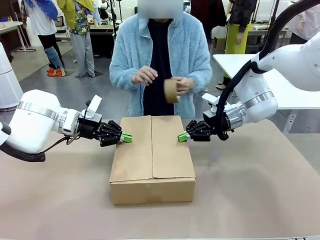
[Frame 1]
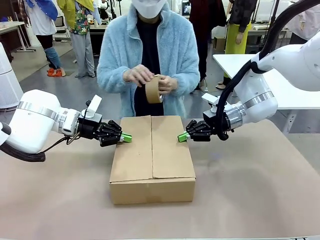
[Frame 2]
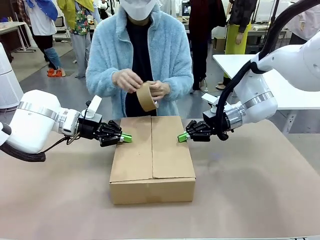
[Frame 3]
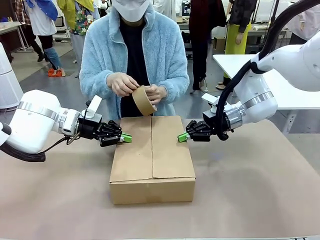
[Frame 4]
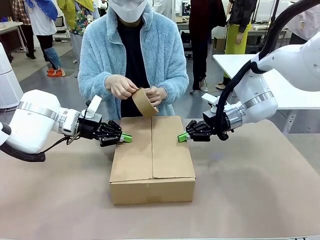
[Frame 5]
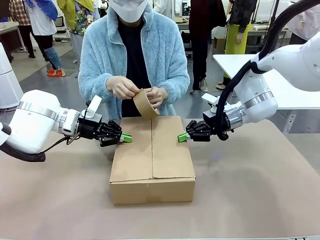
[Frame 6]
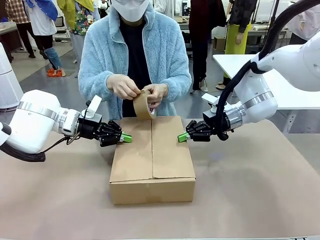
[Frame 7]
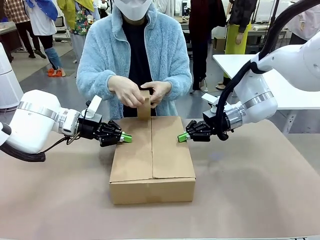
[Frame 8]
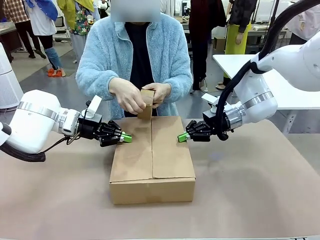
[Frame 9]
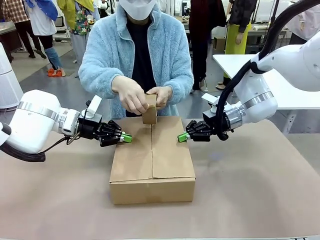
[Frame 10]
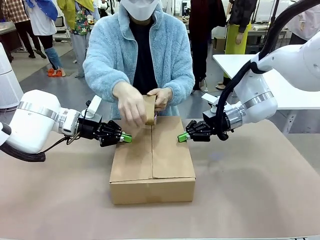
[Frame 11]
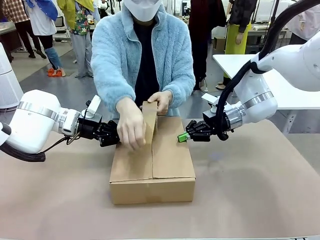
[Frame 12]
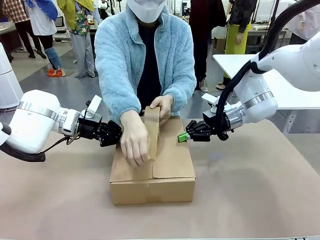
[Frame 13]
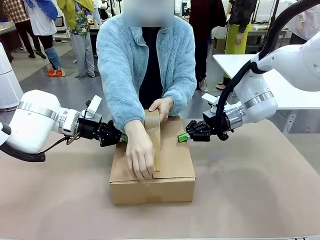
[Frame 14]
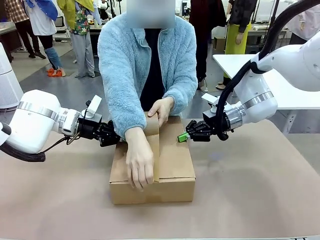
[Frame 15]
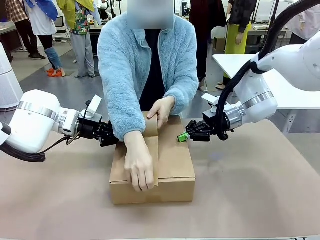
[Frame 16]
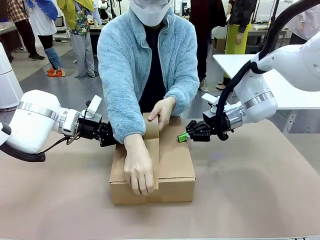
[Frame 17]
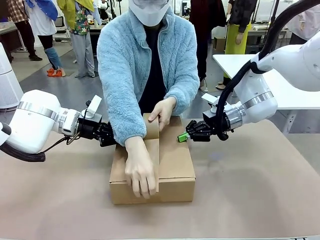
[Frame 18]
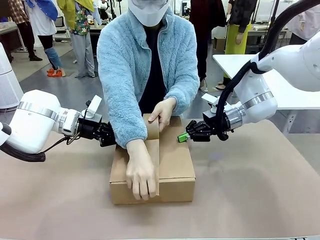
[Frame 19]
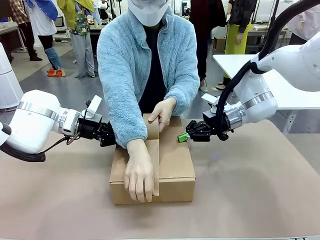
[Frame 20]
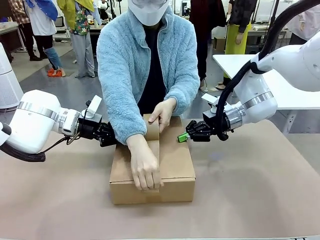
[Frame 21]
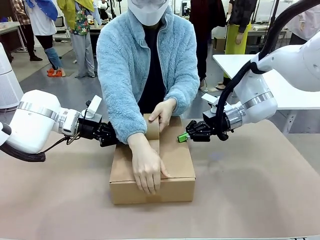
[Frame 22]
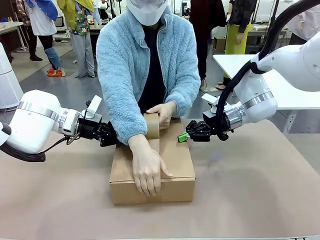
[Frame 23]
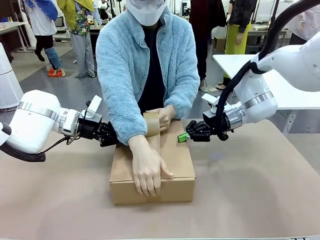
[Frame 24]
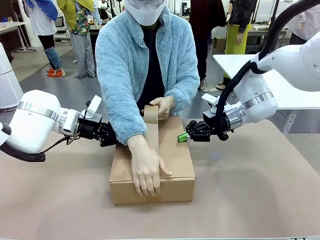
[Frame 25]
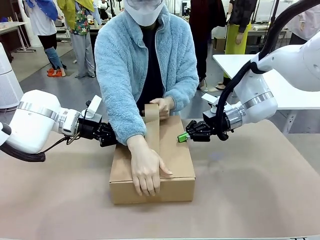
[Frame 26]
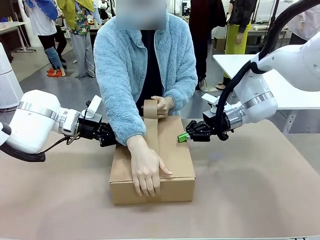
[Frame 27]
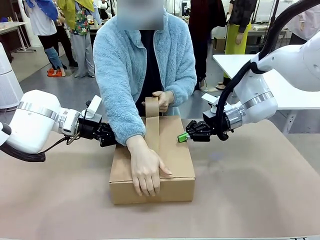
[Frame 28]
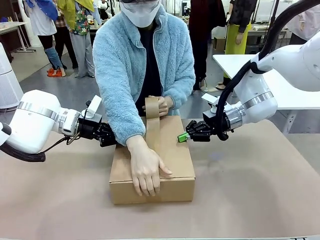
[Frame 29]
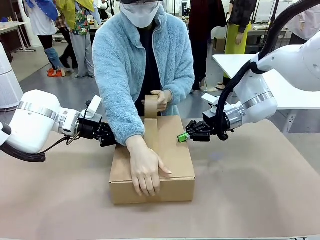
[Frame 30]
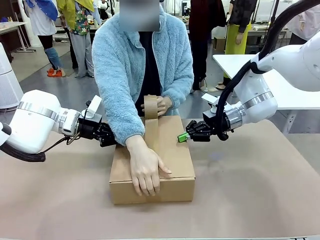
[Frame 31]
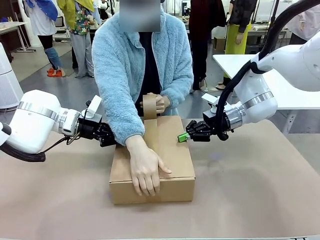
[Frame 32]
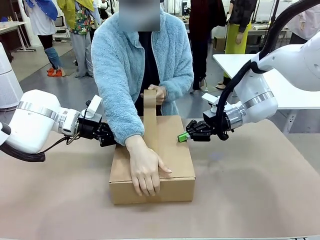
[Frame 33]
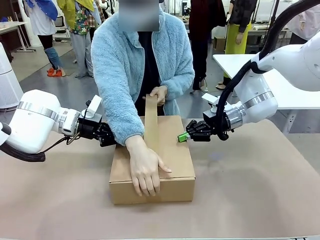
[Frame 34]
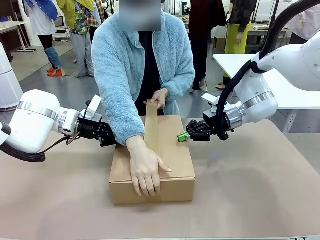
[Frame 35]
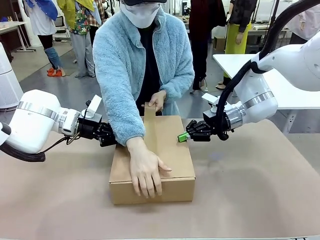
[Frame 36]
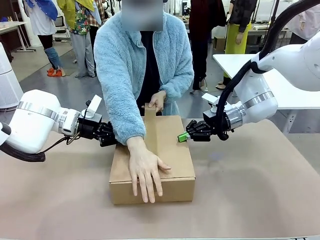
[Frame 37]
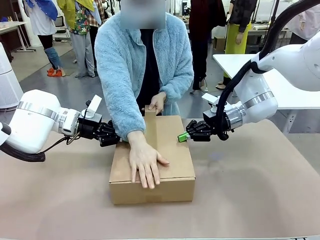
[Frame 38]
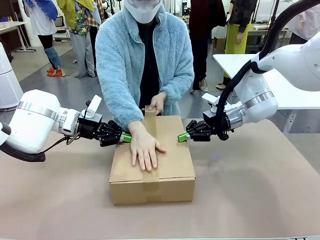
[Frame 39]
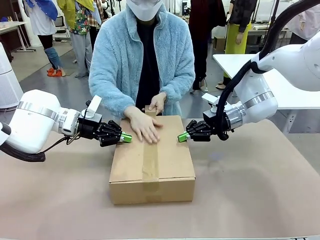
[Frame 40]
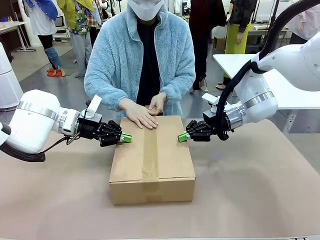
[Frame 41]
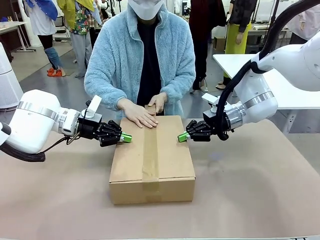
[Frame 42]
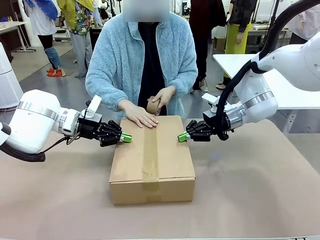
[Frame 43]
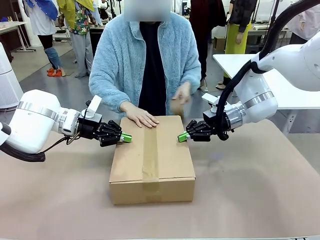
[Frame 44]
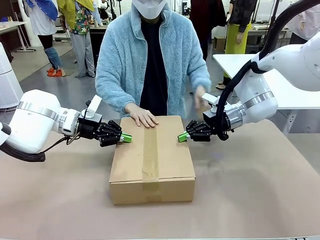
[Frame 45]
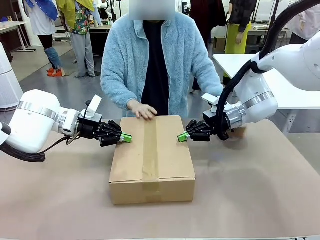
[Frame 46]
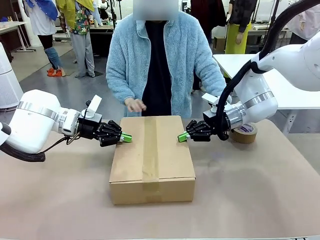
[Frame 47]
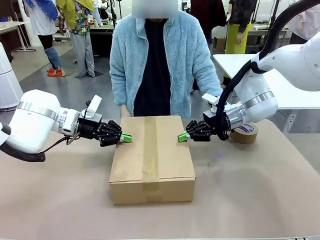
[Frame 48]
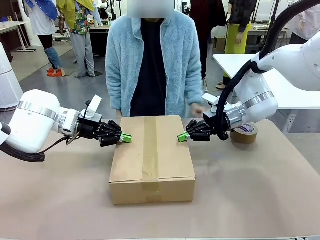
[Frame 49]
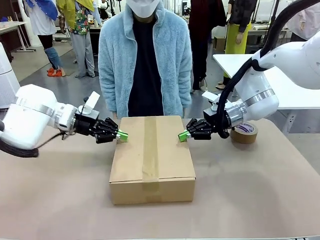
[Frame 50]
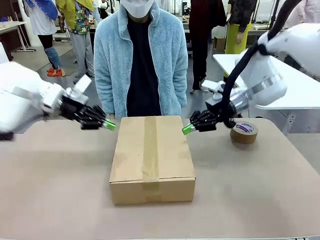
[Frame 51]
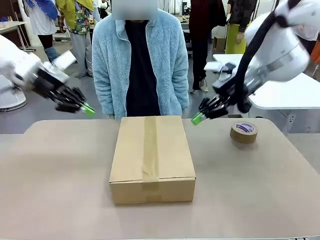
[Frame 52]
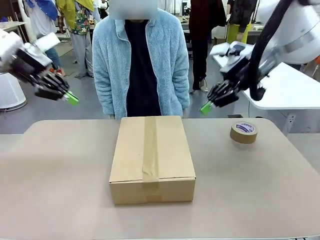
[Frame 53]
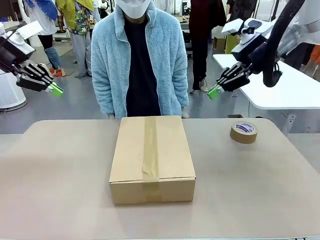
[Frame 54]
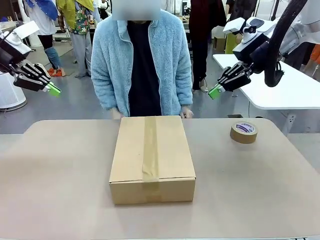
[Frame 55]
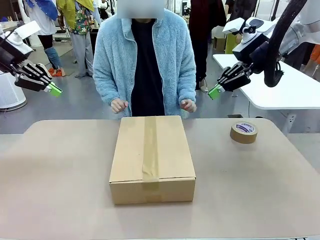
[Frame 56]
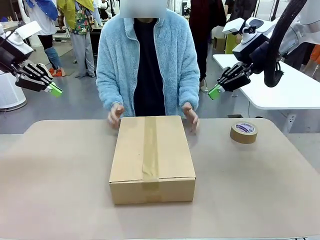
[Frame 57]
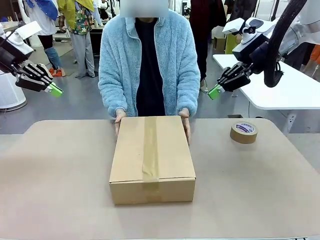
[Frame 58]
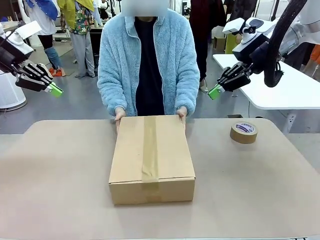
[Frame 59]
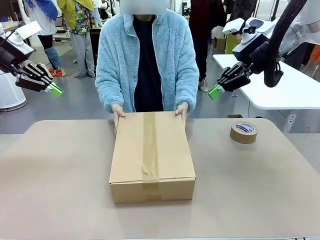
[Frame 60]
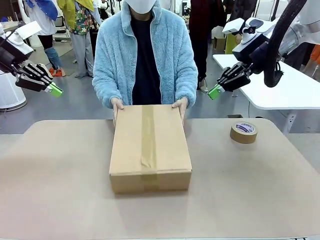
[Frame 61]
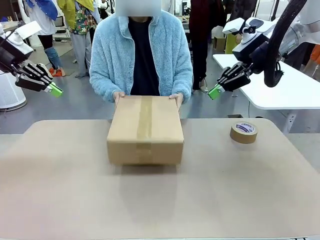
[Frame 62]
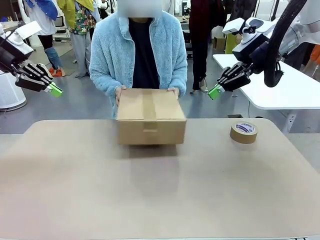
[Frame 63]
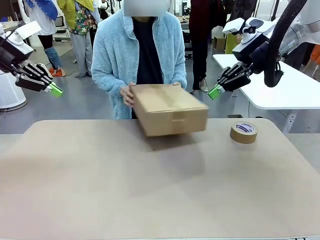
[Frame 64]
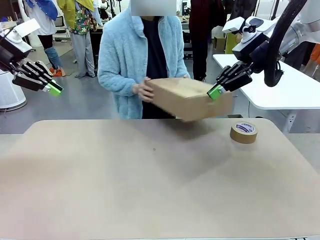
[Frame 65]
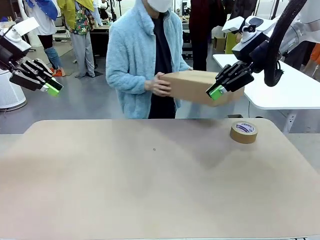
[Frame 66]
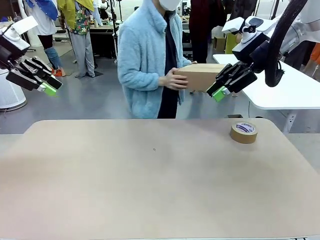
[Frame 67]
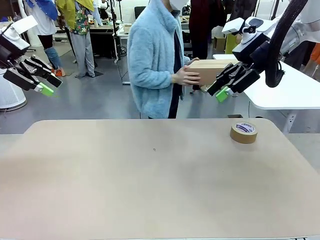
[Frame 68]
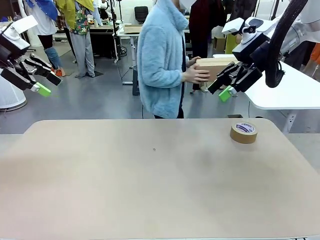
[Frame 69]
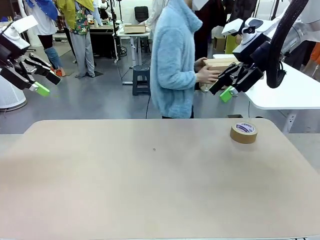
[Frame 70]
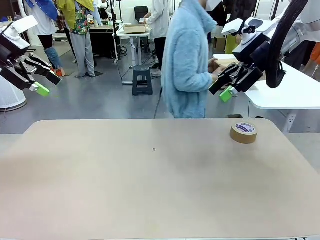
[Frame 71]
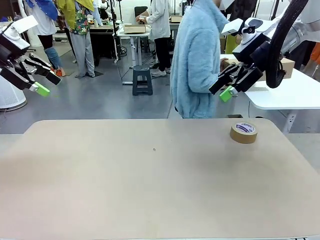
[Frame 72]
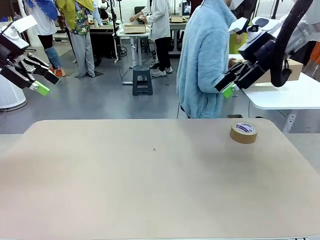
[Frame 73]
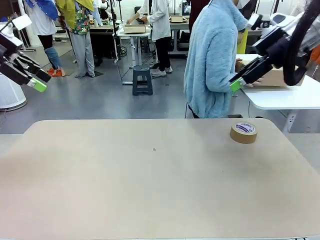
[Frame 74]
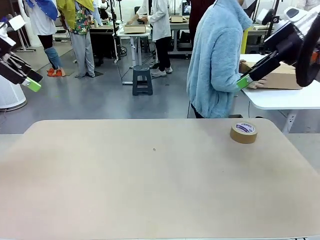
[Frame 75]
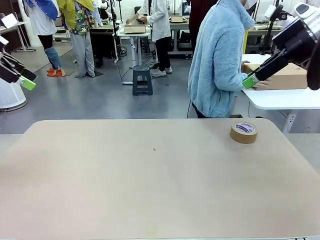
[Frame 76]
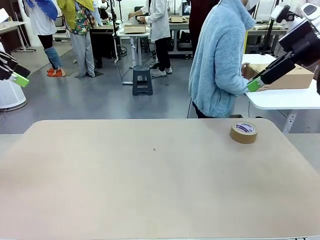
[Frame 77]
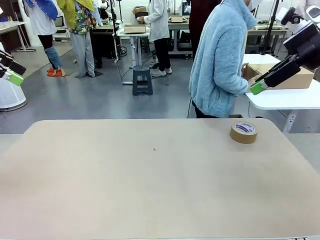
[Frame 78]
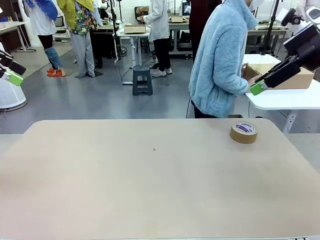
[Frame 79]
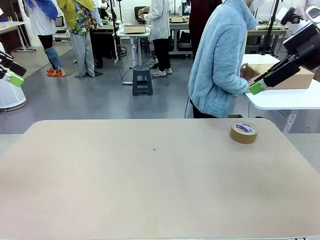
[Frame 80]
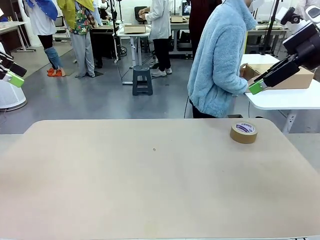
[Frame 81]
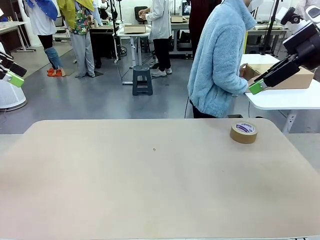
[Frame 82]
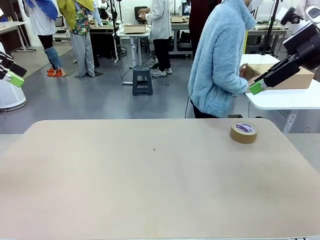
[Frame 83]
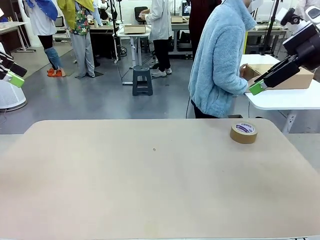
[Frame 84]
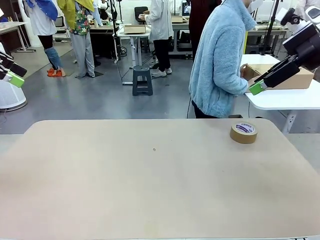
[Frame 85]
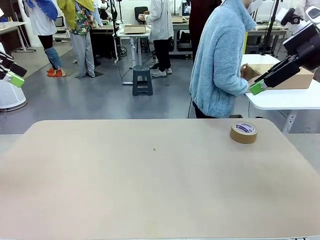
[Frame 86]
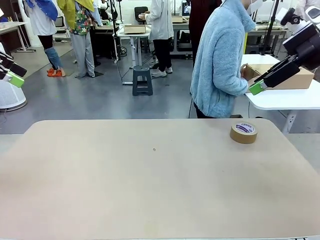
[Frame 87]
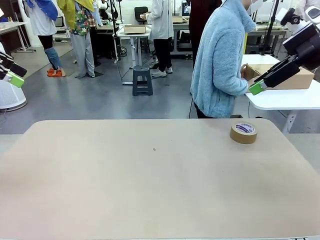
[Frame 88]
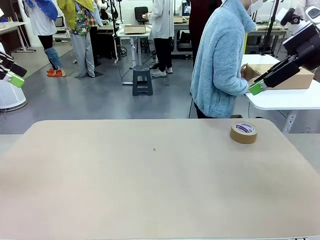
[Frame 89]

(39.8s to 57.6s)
Task: Wrap the clocks to prevent damage.
Robot: After the human seals the box with tape, release both hands from the side flaps of the Package Box.
Person: Once the robot closes the left flap of the Package Box , seal the box with Paper Tape. Place sealed Package Box in the middle of the human's table.

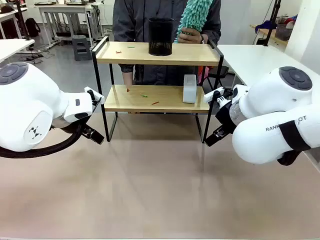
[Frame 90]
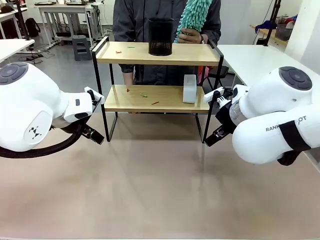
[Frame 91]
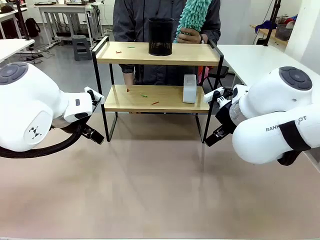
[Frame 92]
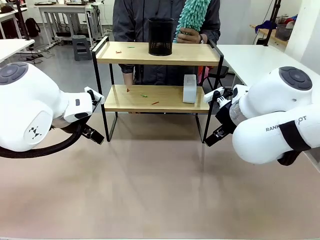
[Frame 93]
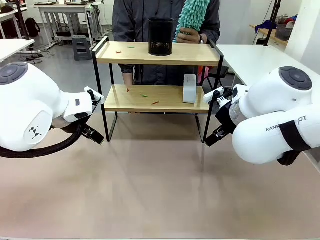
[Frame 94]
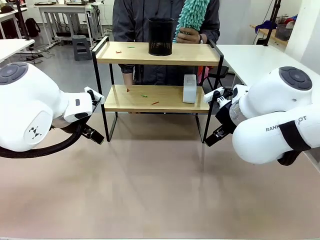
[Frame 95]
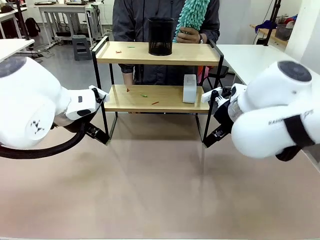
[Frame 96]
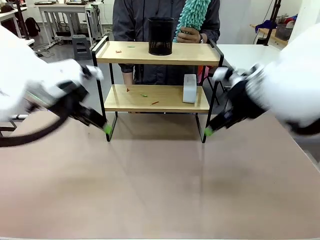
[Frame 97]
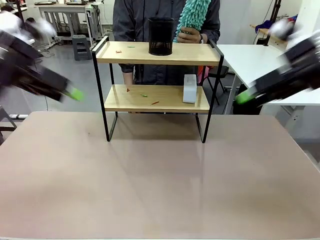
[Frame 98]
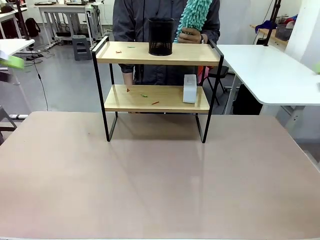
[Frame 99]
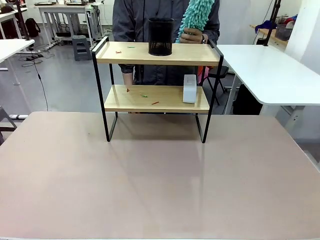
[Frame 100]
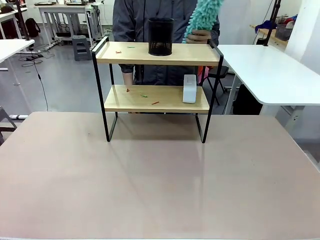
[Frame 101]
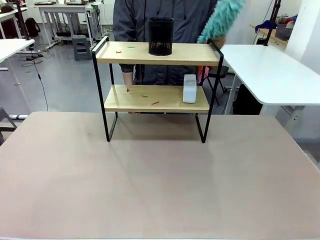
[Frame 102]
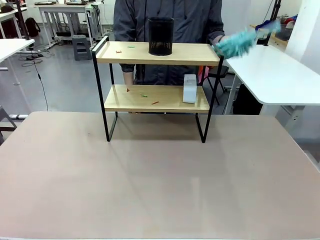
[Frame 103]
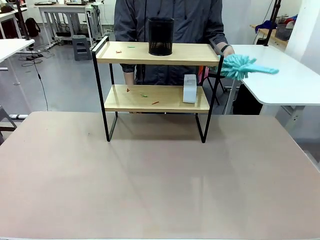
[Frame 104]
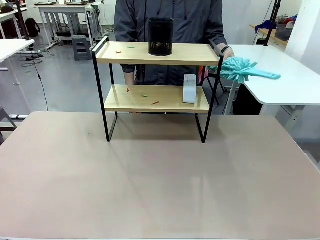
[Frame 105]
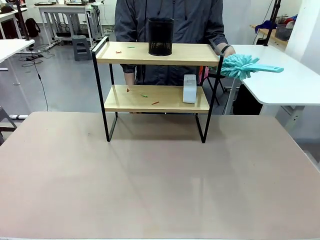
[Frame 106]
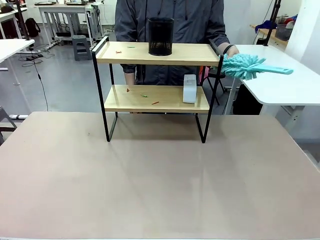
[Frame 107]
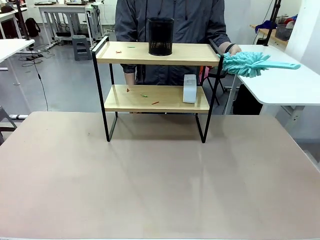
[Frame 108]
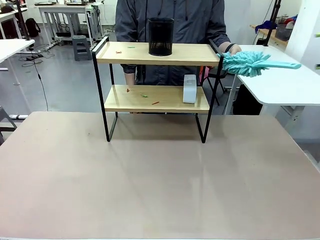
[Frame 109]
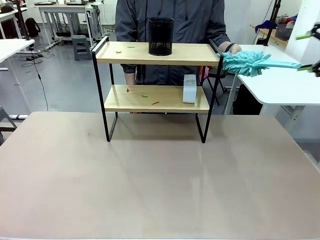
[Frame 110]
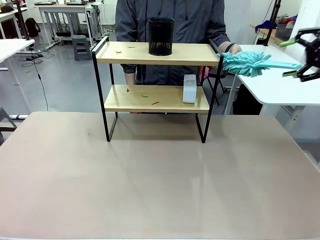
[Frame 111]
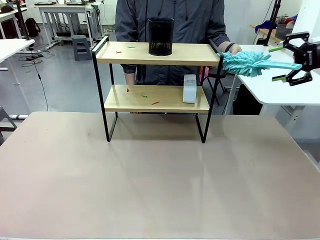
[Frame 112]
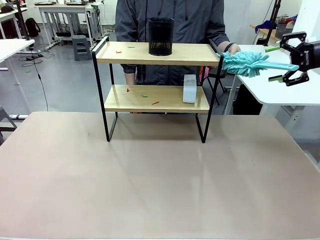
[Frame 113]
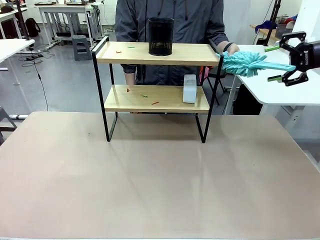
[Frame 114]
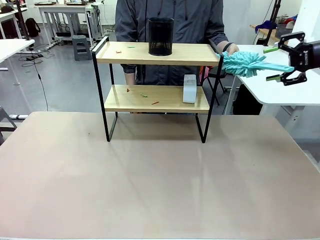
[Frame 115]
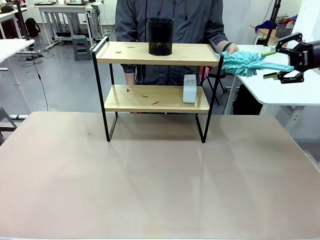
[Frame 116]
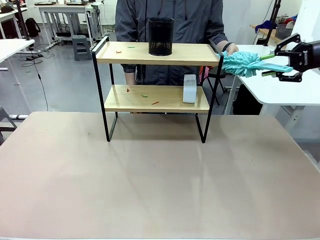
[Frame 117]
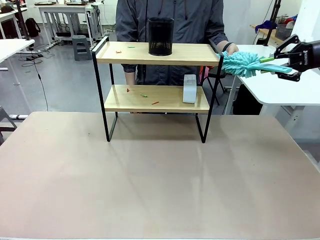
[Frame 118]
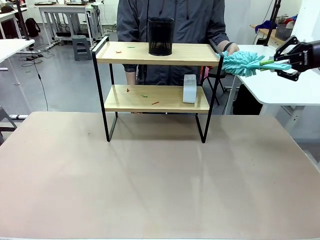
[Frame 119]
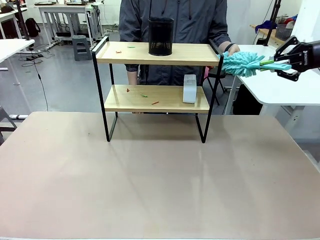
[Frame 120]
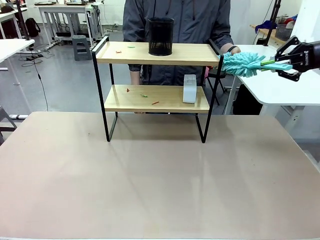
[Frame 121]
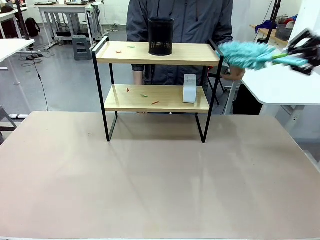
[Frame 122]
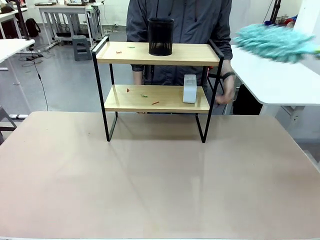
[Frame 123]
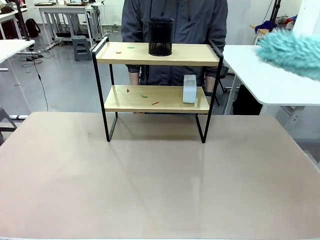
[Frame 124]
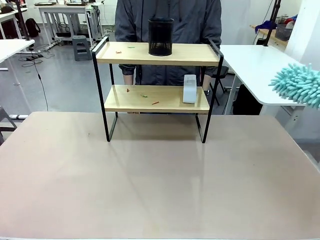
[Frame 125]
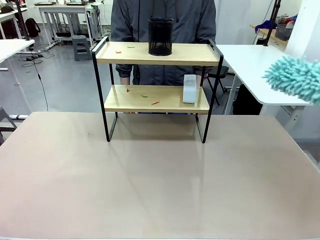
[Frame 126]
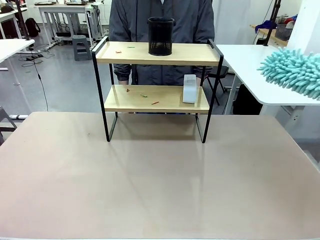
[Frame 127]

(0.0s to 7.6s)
Task: Clean the shelf.
Robot: Pick up the Duster from the human.
Person: Hand the Duster to the robot.
